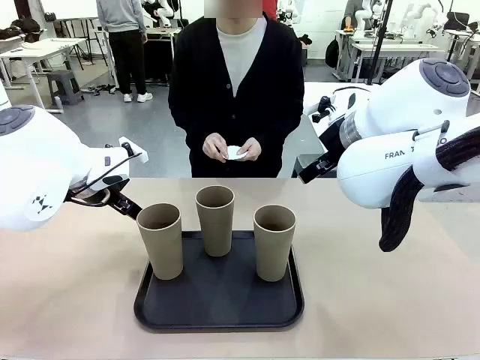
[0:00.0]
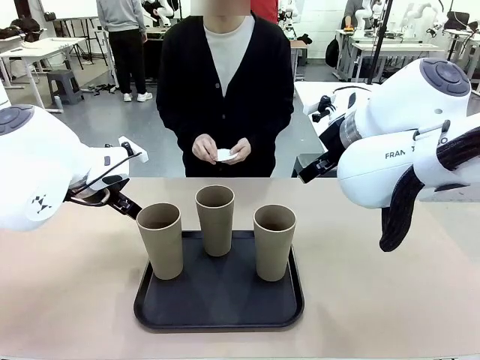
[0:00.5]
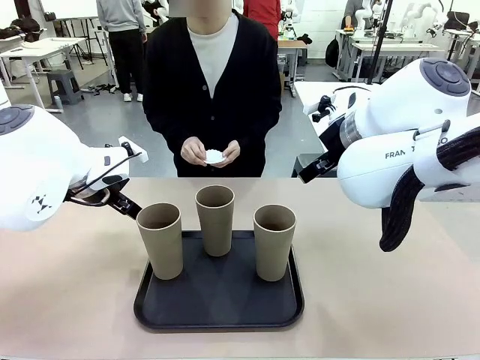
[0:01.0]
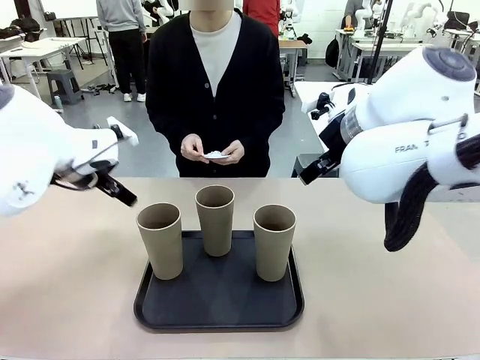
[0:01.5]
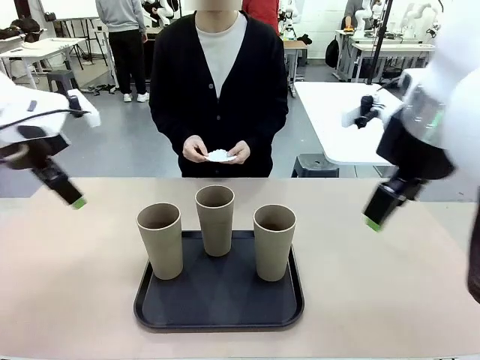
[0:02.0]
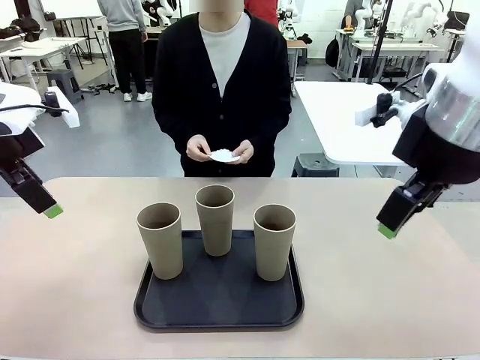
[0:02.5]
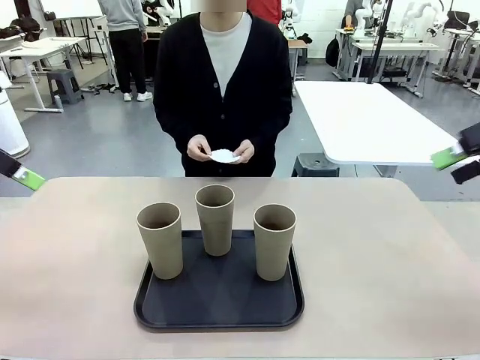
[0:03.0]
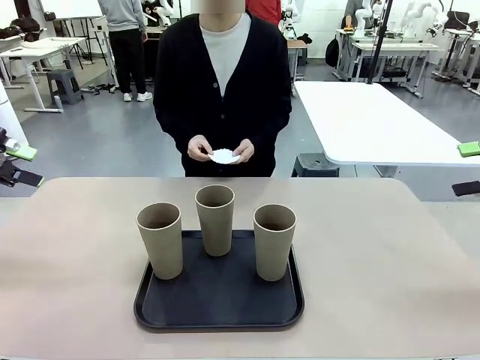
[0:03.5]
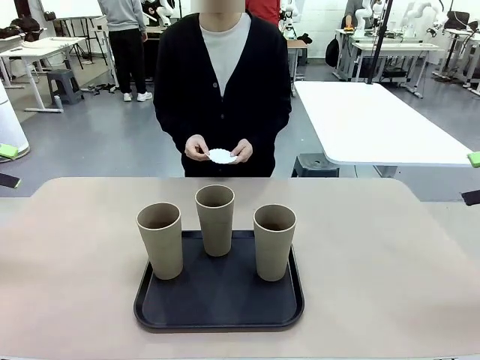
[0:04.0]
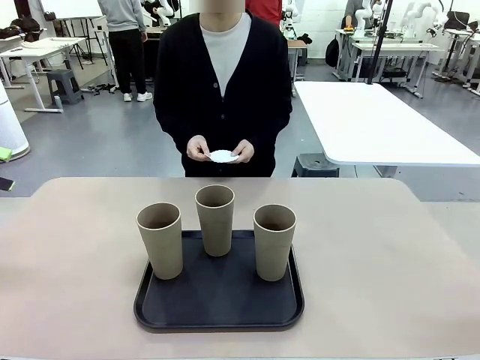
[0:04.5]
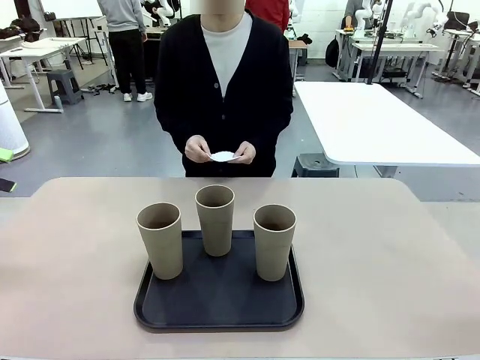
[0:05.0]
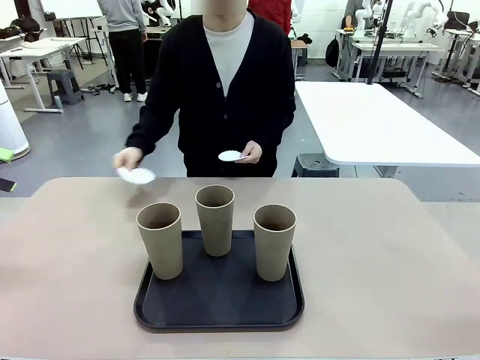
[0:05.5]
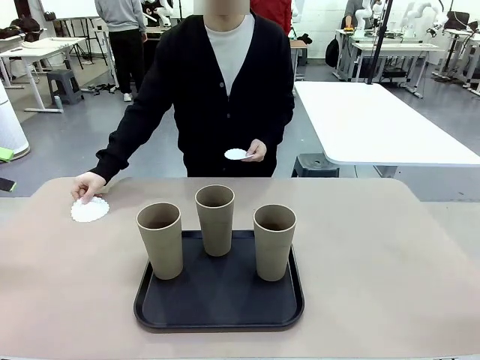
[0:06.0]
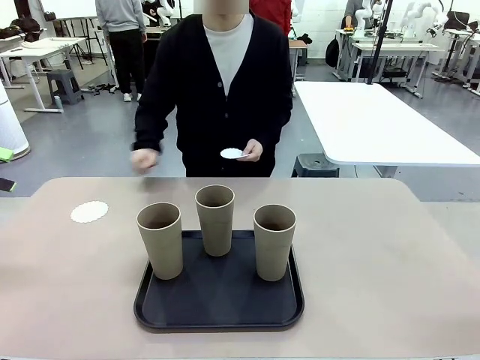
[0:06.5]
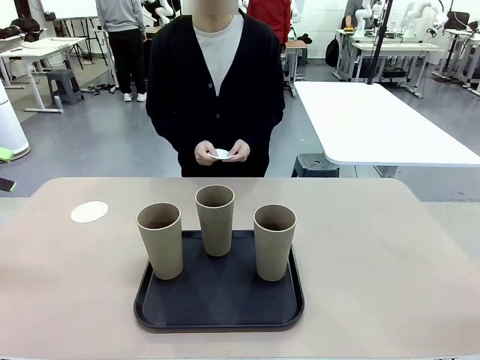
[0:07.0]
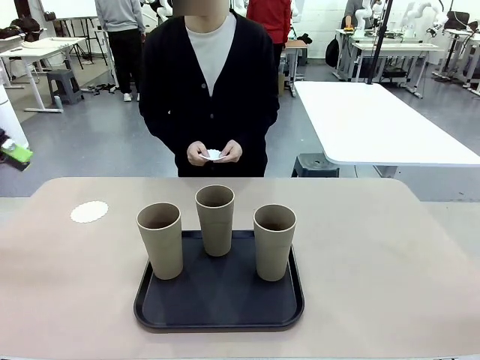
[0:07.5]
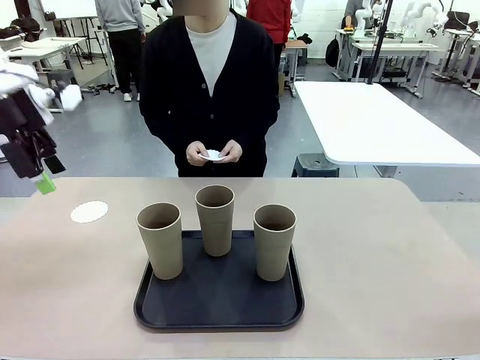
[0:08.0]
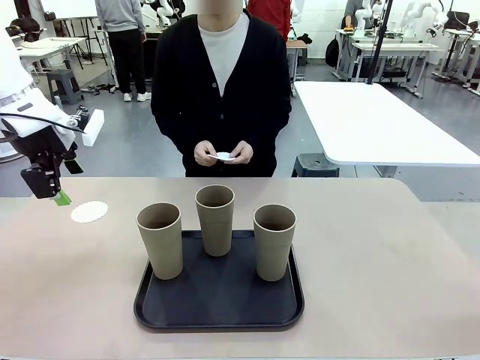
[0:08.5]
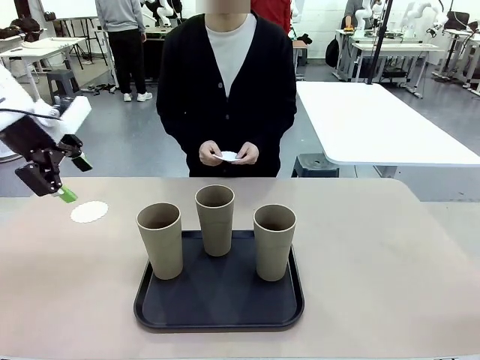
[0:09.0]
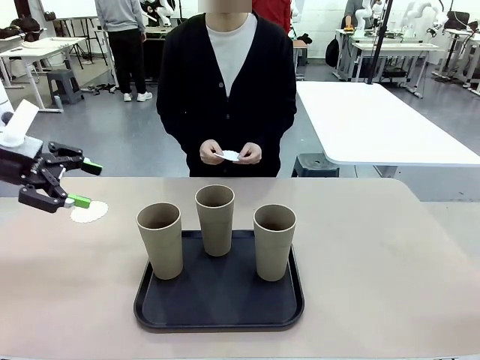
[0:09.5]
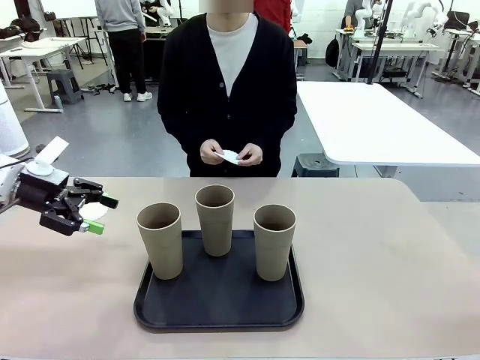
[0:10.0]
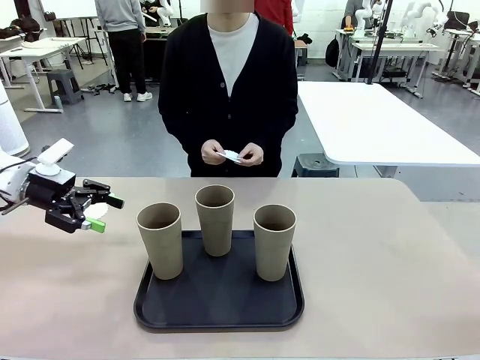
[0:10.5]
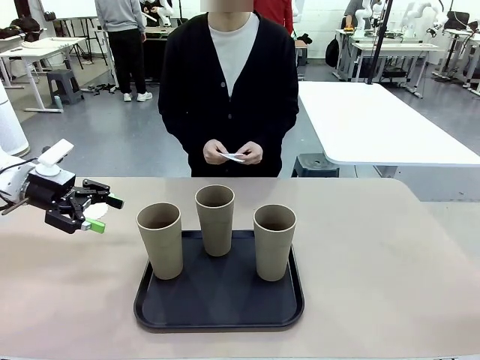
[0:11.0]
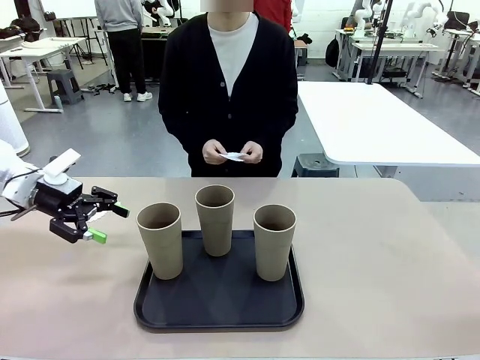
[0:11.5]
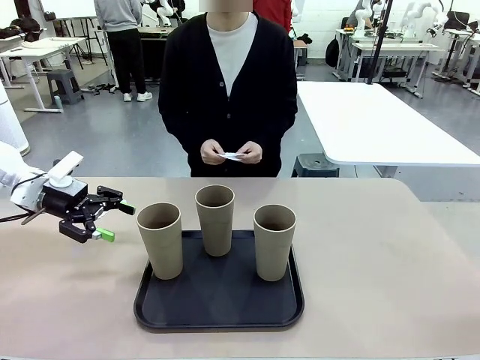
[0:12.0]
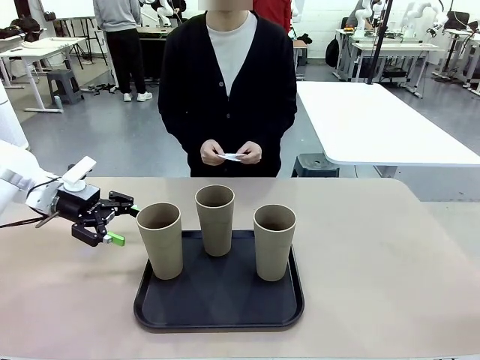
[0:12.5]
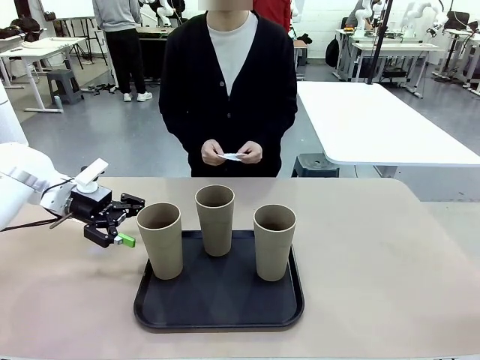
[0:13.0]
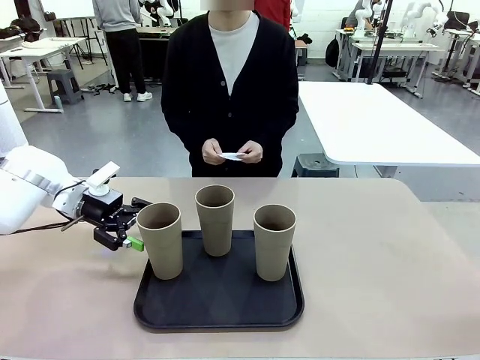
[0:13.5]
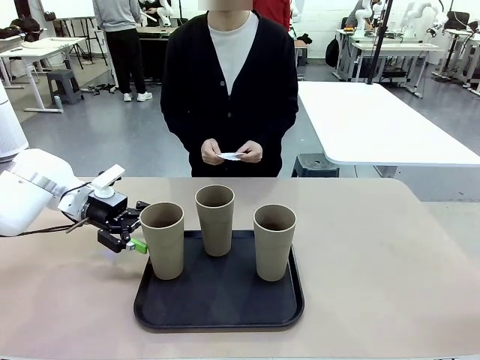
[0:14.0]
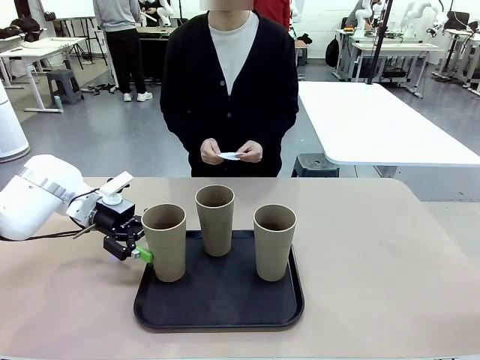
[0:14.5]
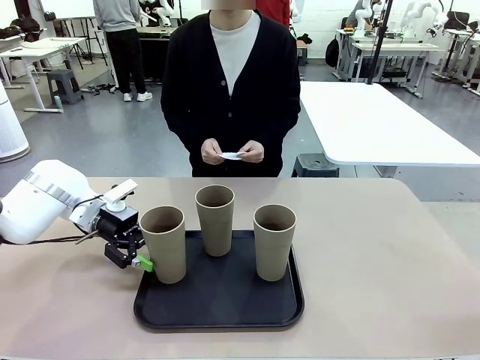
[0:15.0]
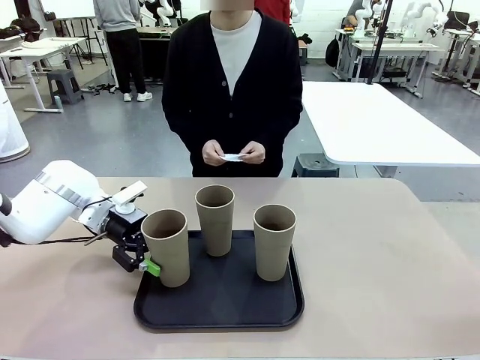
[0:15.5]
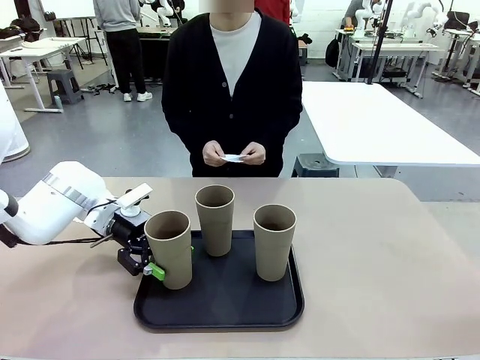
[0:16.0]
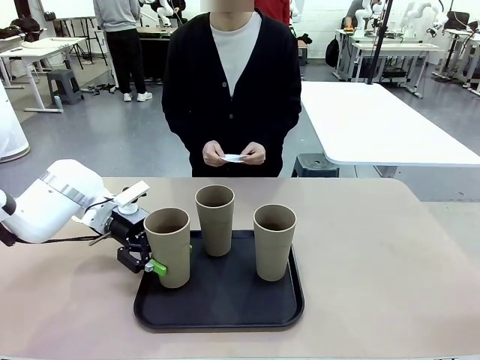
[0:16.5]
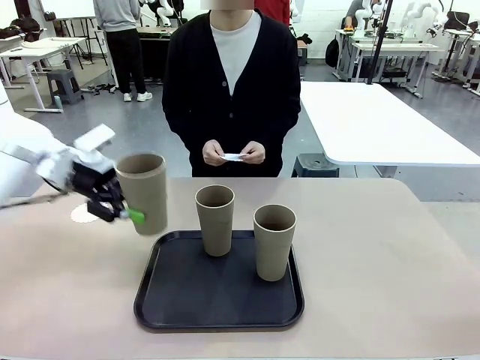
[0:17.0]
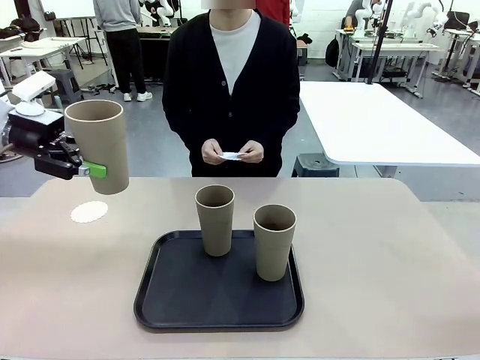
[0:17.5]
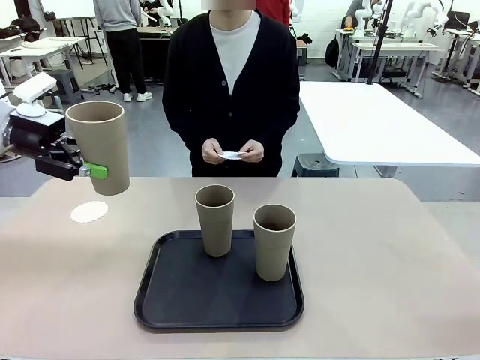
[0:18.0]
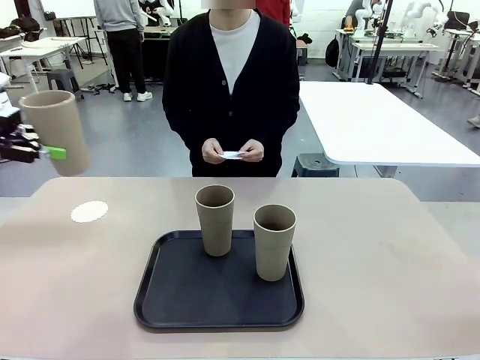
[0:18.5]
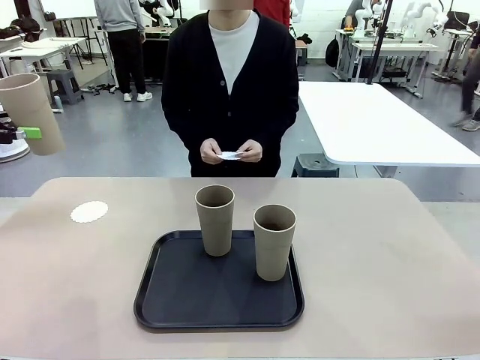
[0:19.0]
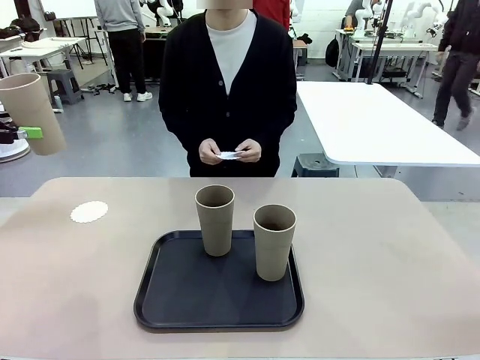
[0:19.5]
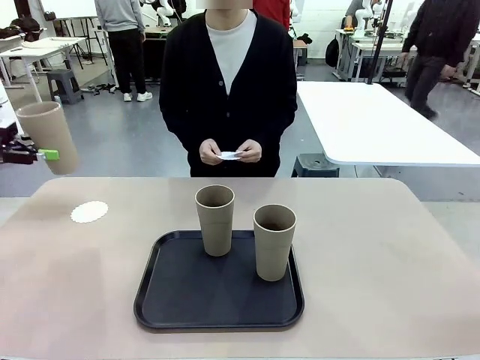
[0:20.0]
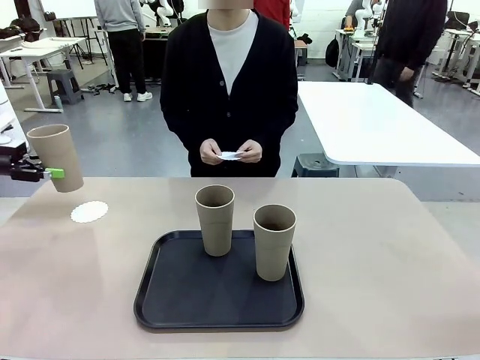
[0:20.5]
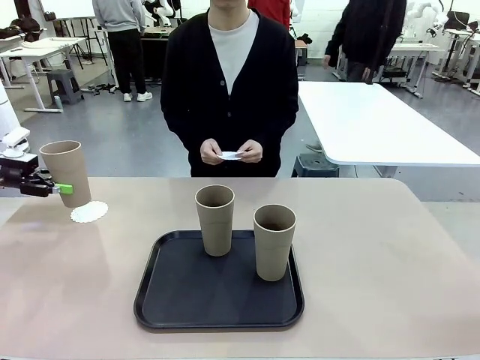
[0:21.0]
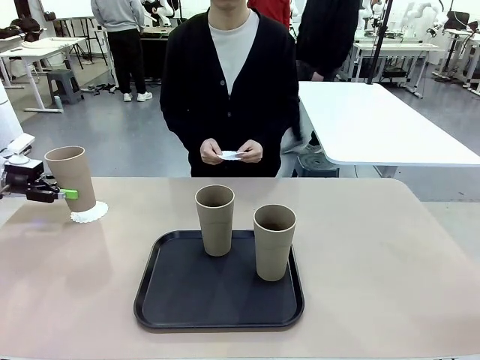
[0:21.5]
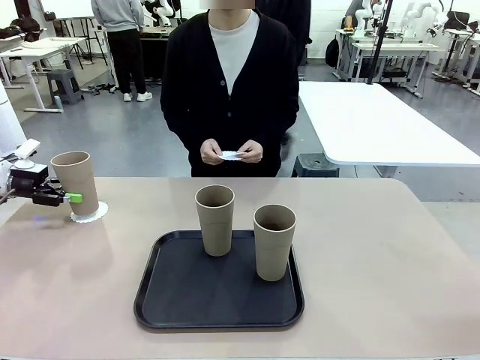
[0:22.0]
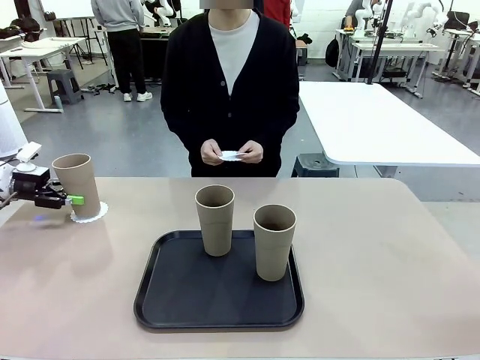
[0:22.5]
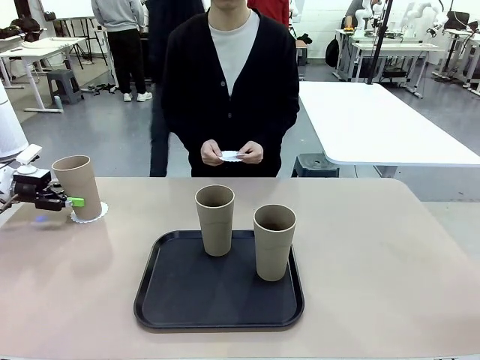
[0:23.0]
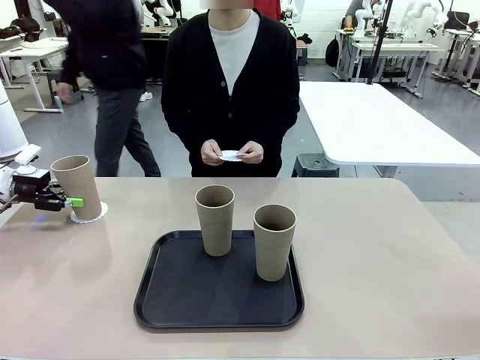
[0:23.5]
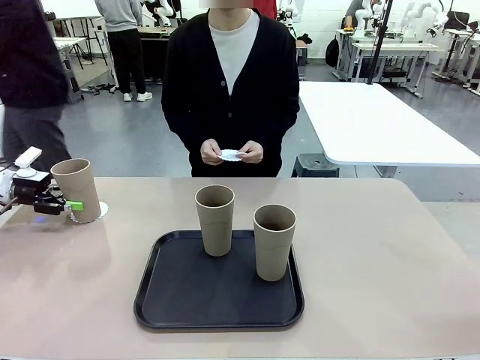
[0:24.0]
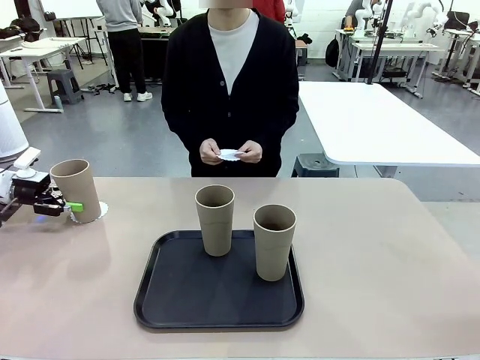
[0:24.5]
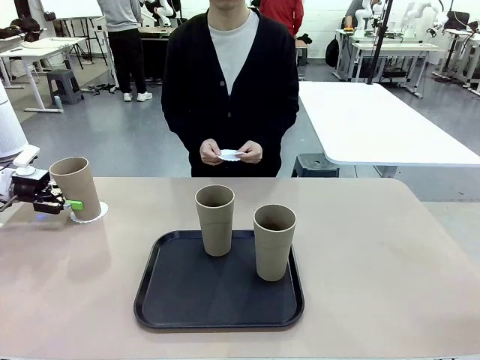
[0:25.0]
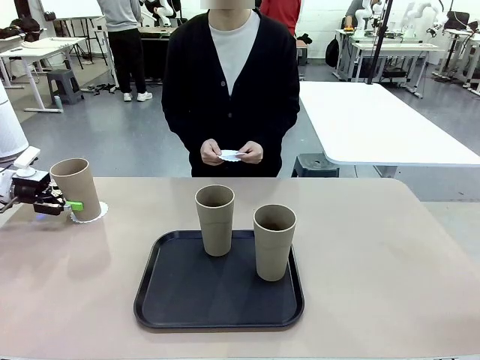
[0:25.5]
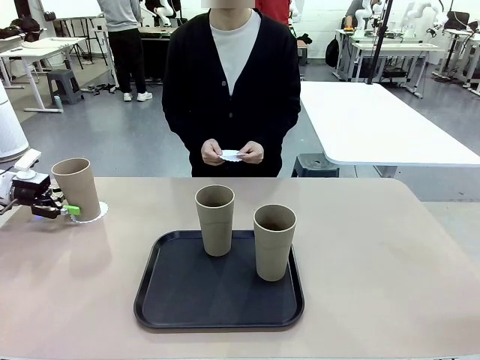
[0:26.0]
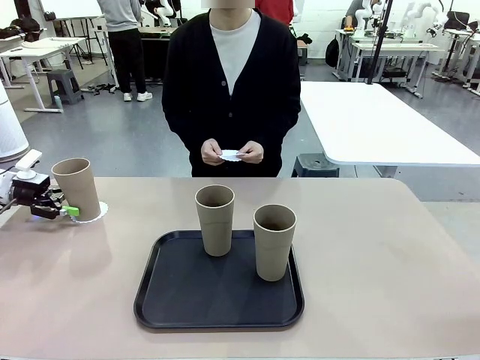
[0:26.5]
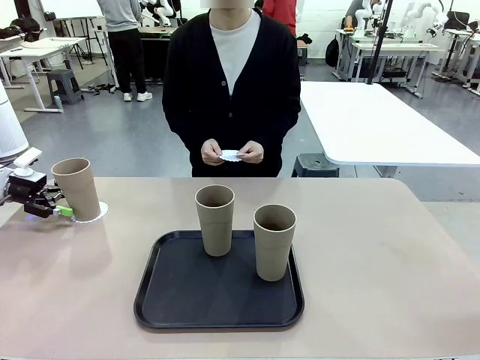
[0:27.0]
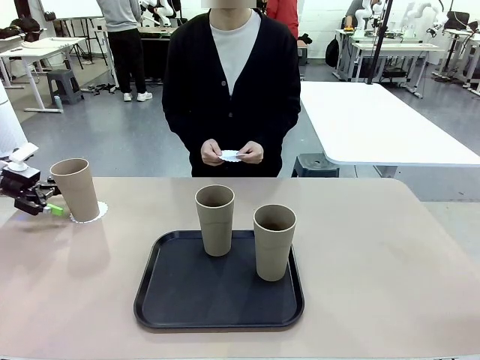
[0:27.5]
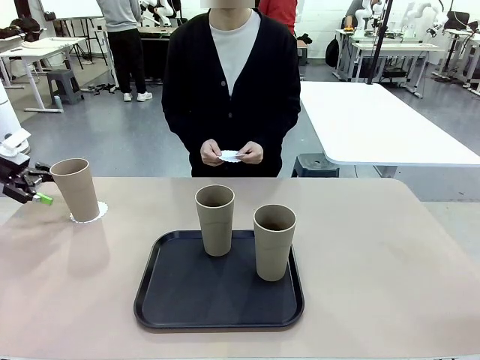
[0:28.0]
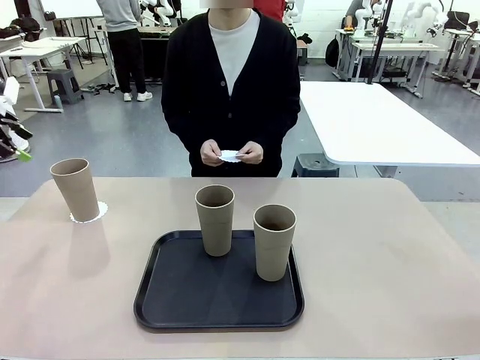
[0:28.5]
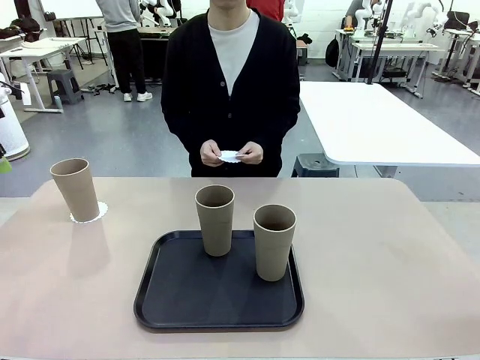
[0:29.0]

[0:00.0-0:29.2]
Task: Place coasters on the table and set cups on them.
Robot: Pick up one Reusable plastic cup and place it on a coaster set by the human.
Person: Place one coaster in any one of the three lower areas of the robot table (left, center, or right). Place one coaster in one of the two areas excluding the previously selected area.
